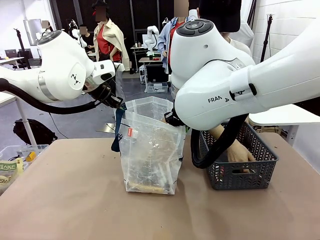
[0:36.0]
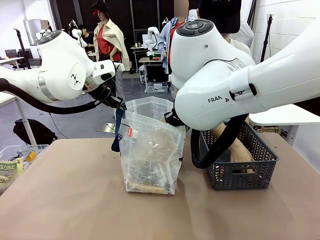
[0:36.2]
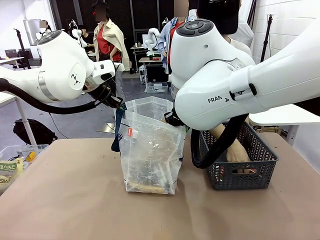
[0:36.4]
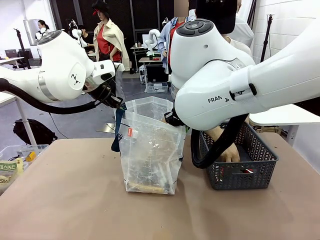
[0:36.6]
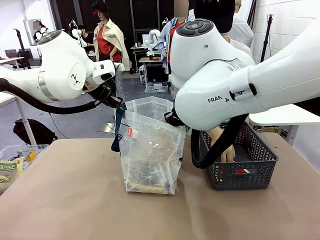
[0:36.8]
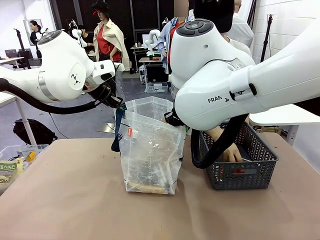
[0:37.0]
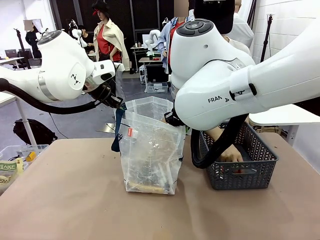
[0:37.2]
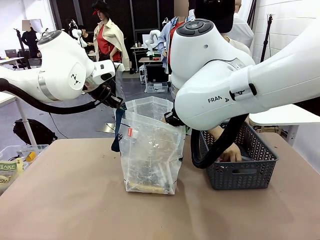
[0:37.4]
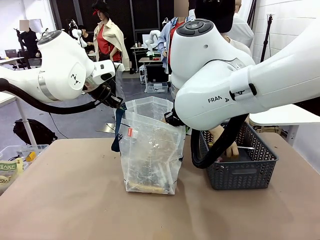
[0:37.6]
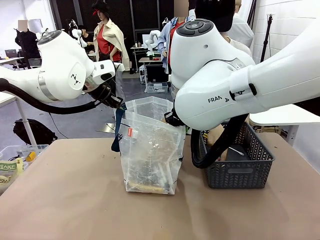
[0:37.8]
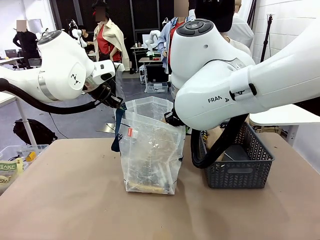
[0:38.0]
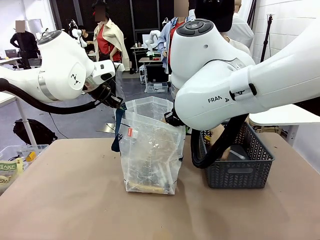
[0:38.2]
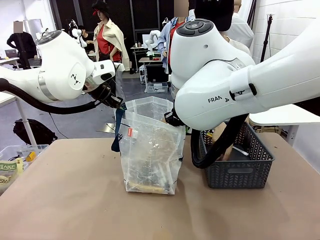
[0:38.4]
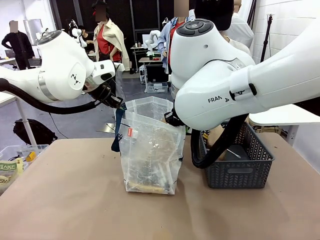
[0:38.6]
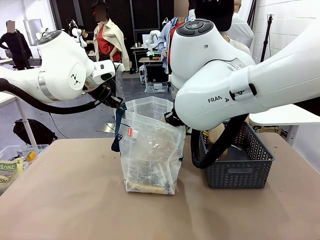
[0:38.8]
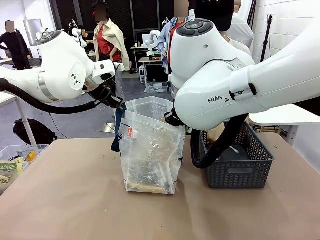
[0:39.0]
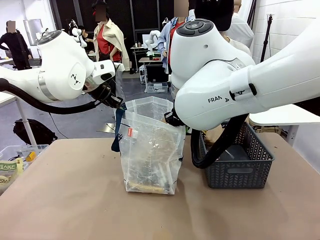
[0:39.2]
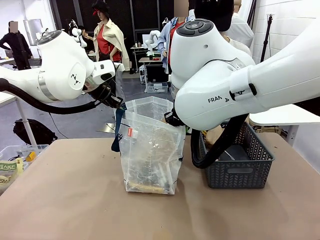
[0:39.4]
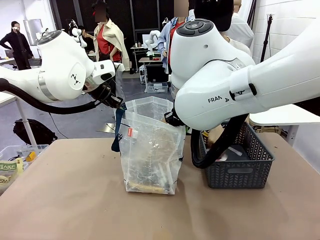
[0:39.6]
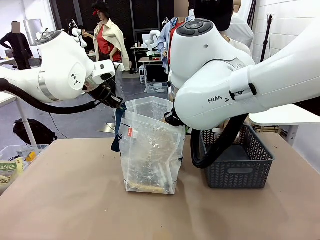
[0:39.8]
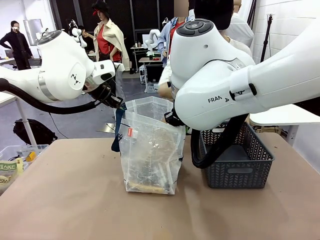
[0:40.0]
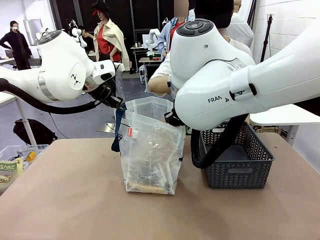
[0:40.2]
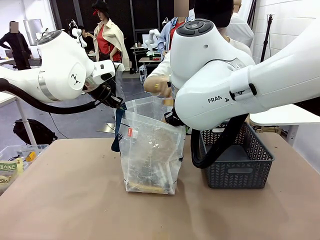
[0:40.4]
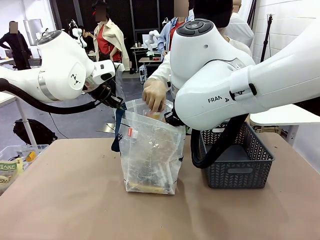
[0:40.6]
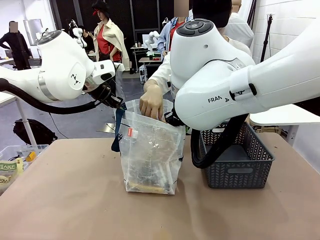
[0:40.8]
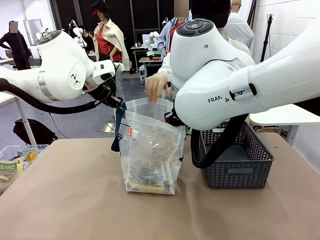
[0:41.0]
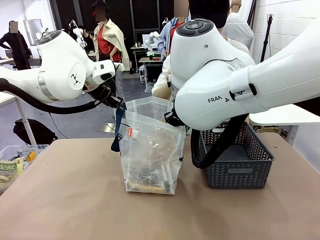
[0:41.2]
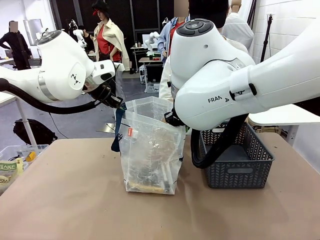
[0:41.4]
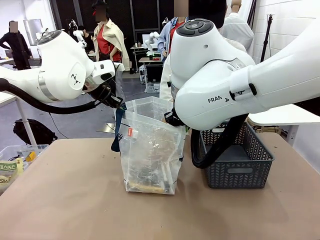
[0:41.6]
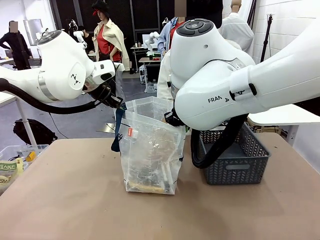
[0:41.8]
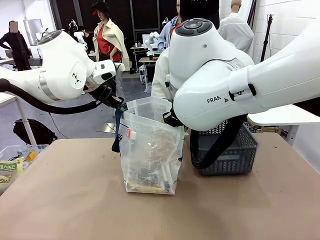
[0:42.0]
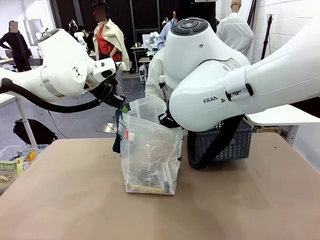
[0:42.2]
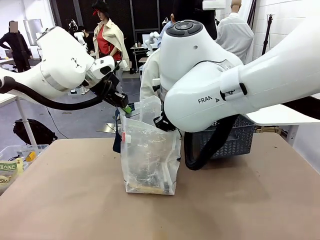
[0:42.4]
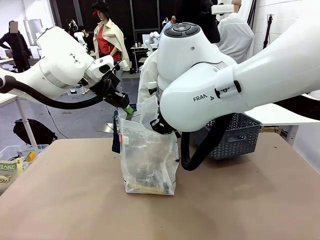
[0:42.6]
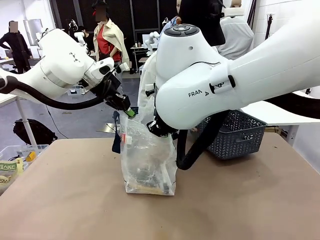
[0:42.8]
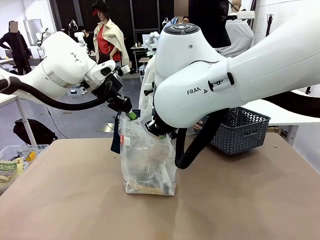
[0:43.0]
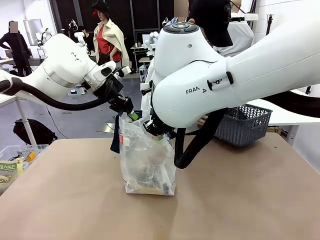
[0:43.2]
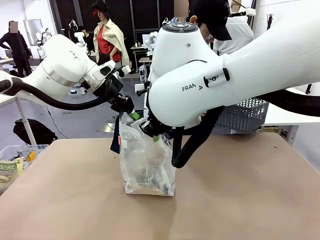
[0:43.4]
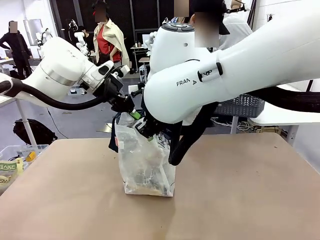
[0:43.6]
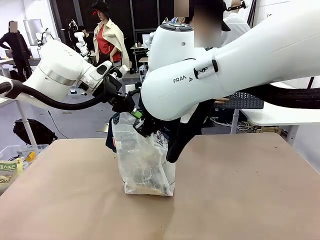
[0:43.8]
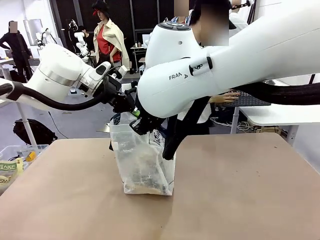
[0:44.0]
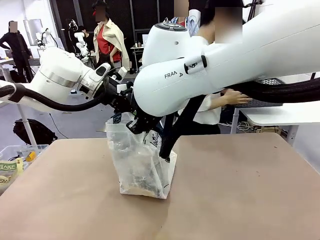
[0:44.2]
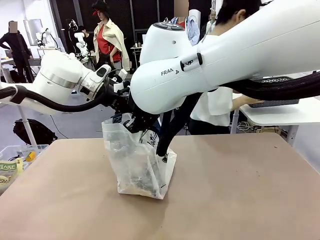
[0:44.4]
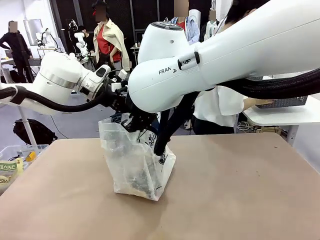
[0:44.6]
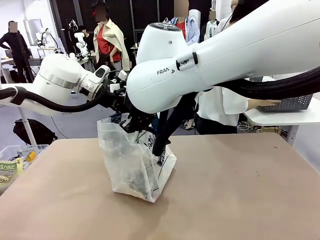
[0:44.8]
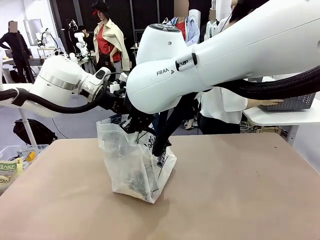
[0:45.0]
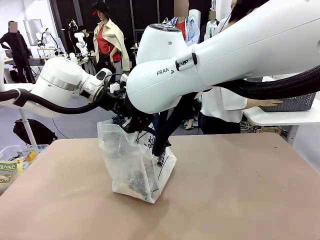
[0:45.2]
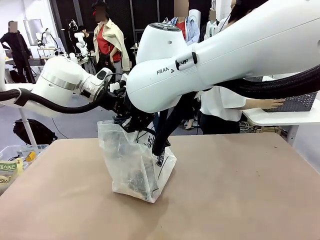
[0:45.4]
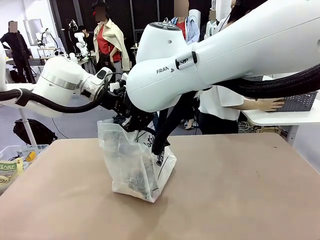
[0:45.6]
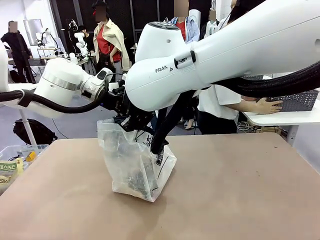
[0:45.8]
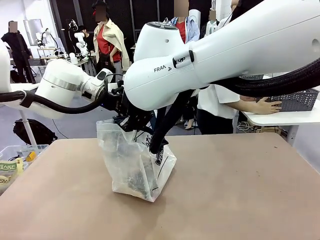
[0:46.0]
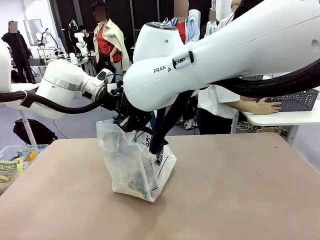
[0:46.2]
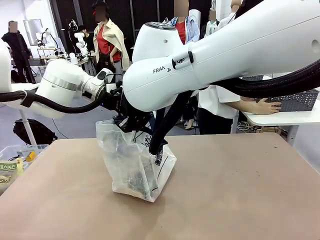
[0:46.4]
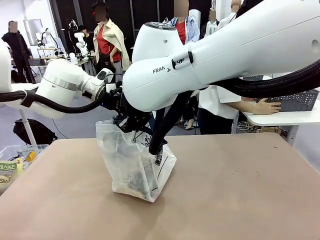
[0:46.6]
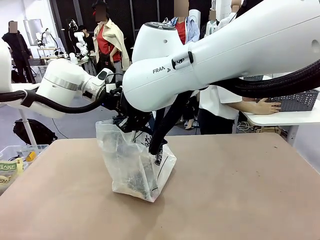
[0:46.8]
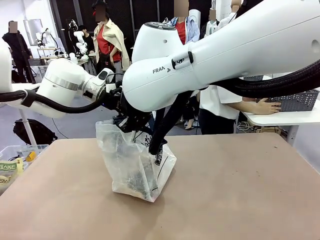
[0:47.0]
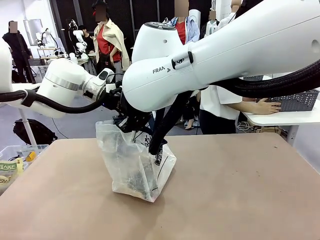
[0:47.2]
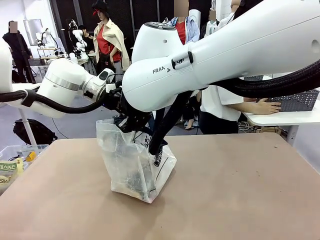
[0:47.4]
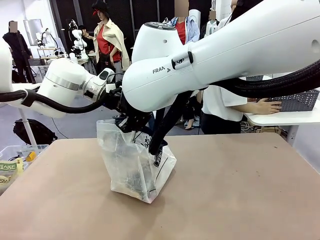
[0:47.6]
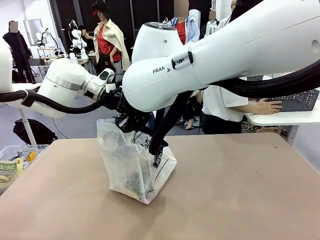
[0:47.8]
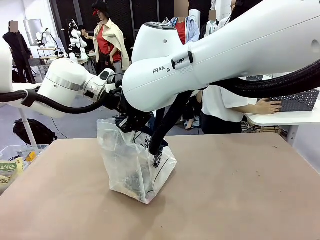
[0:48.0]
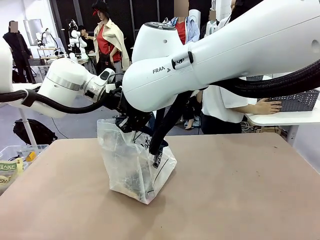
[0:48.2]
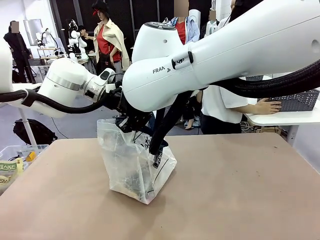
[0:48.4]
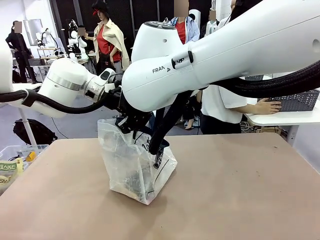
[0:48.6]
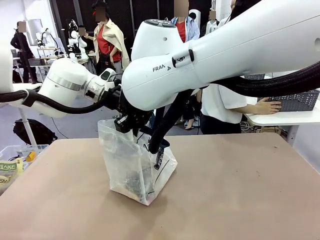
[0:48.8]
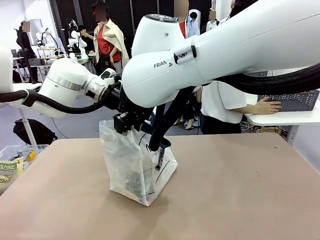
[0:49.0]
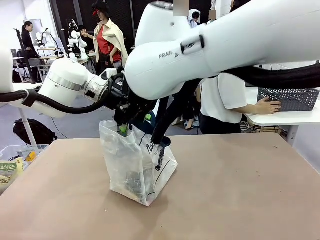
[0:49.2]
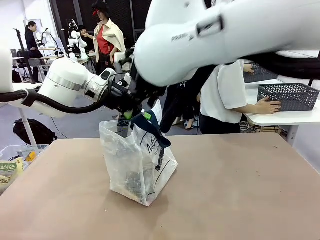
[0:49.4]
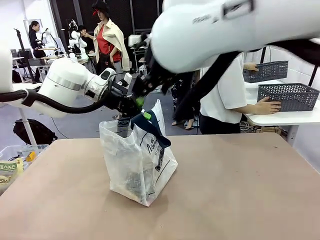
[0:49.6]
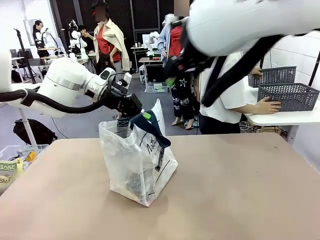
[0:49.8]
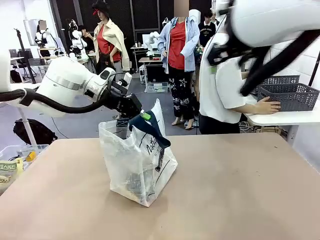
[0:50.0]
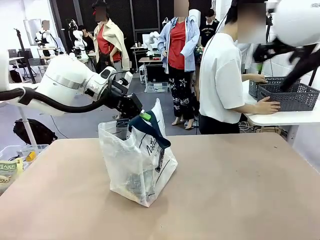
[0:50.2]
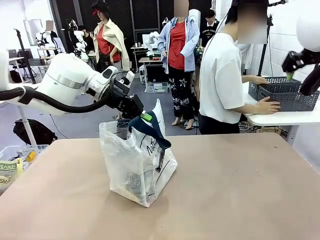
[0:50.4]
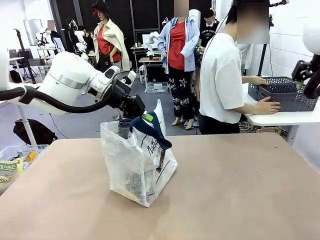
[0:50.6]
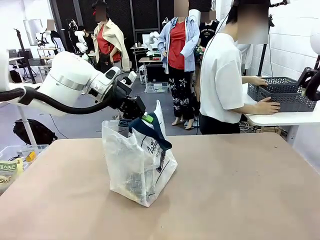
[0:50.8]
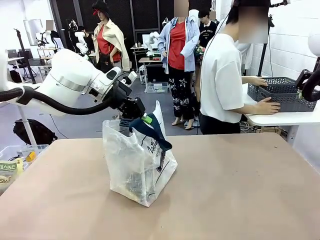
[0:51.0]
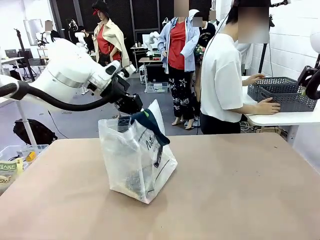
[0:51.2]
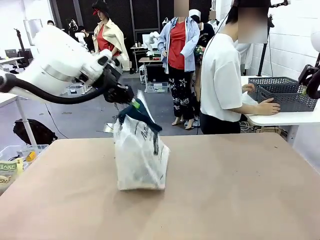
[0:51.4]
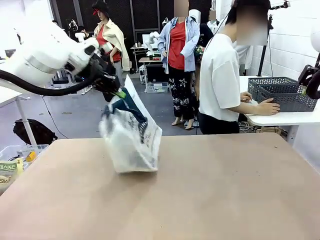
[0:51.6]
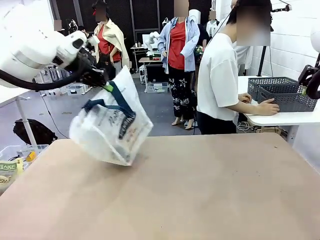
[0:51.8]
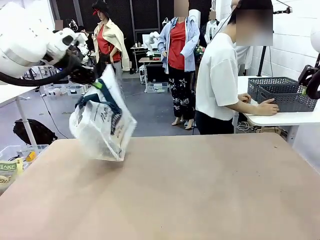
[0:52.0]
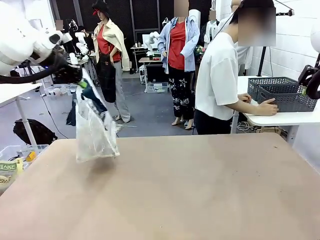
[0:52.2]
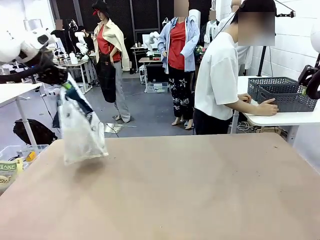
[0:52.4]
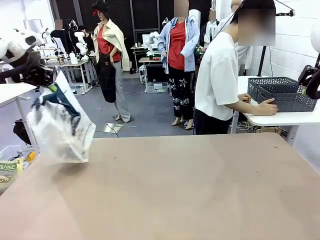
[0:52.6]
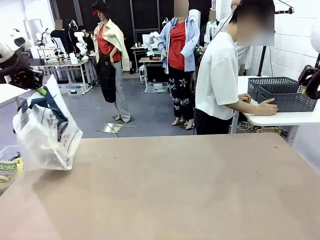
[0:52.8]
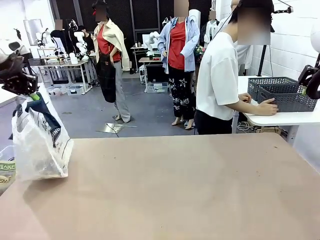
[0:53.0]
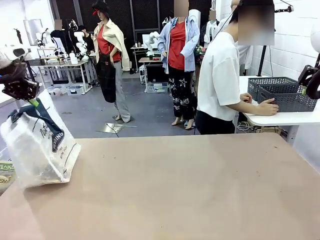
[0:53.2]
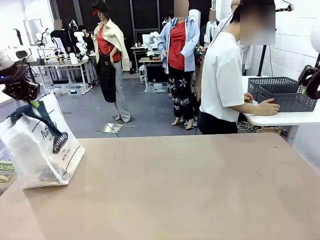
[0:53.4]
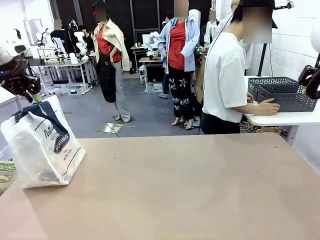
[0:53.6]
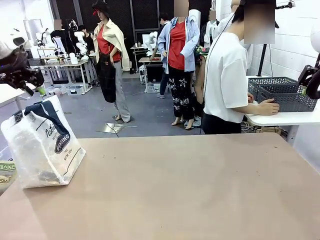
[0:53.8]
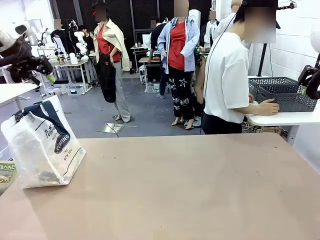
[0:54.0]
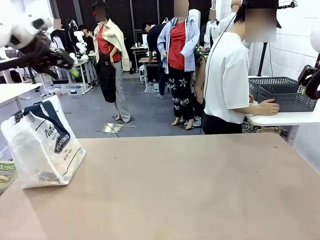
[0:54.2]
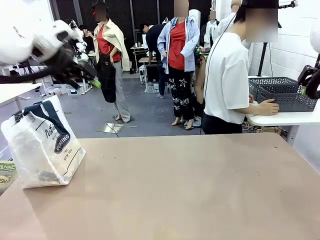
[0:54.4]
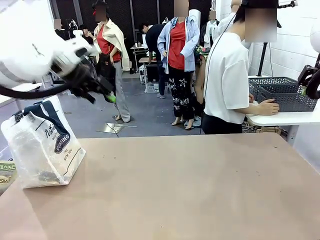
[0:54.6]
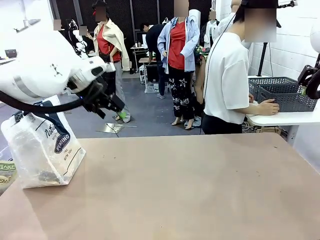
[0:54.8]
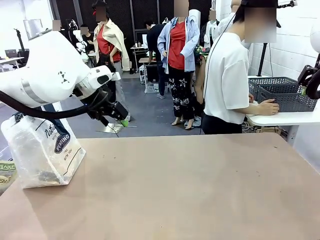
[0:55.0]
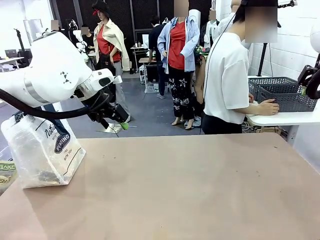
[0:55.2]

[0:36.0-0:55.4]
Task: Transfer purchased items from the store into the shopping bag.
Robot: Move the Reusable shopping bag to the right side of the table.
Person: Move the basket on the left to the middle of the person's table.
